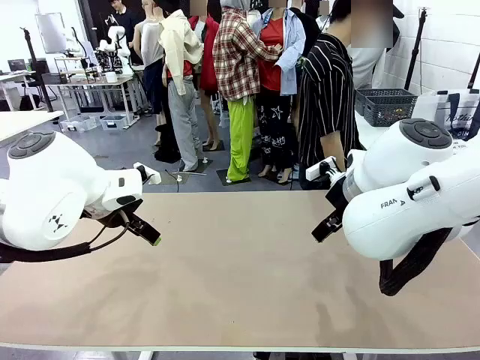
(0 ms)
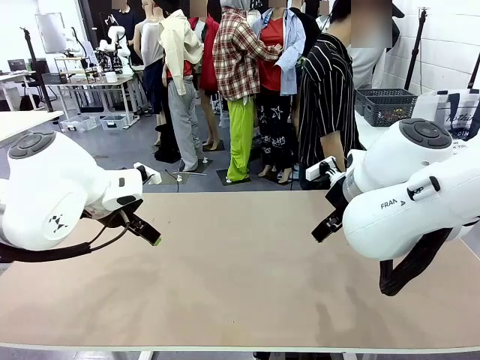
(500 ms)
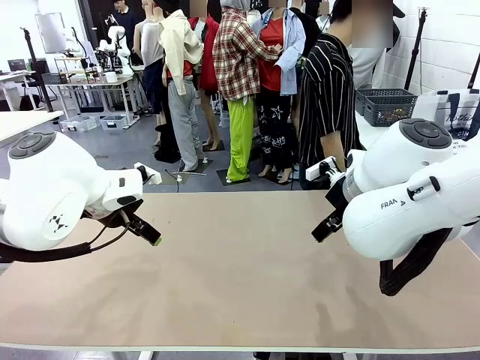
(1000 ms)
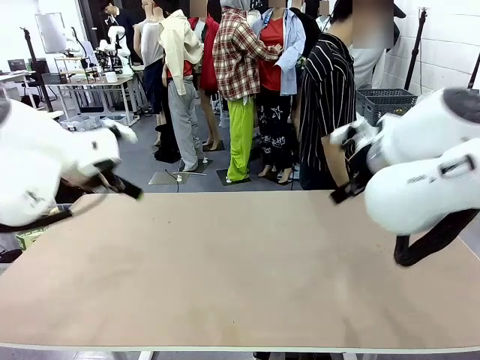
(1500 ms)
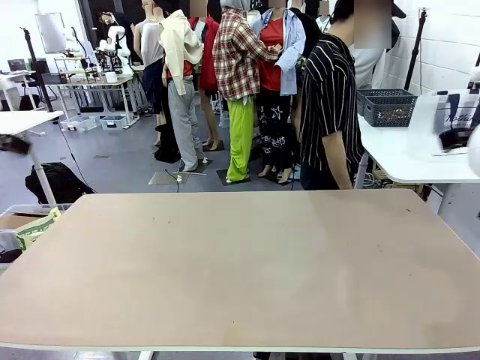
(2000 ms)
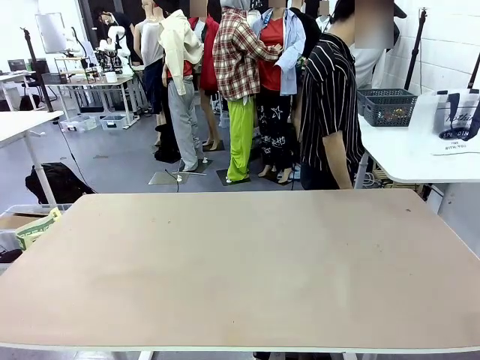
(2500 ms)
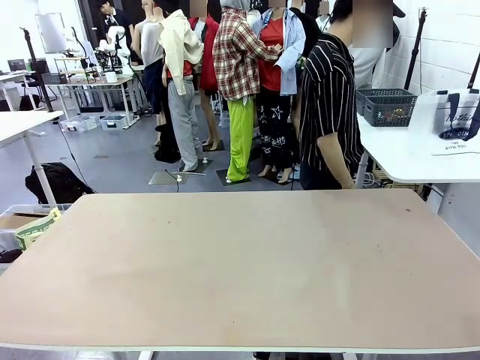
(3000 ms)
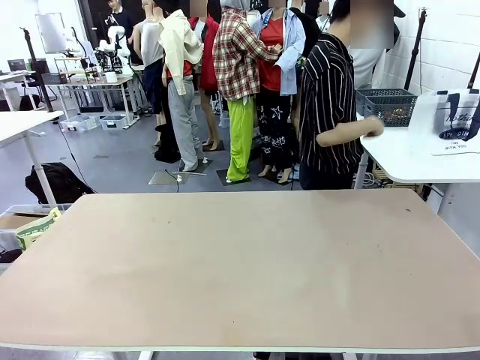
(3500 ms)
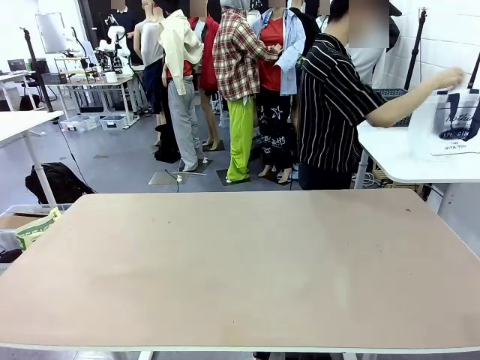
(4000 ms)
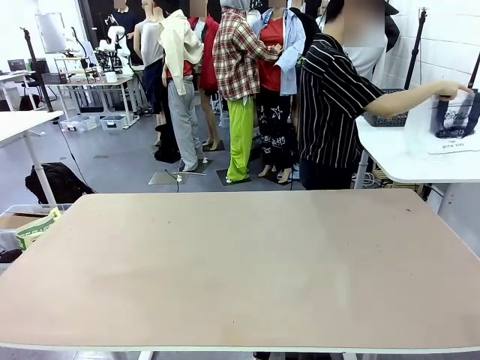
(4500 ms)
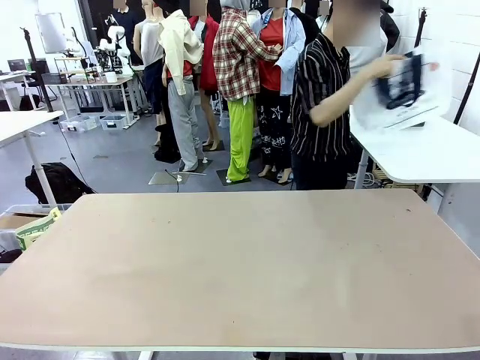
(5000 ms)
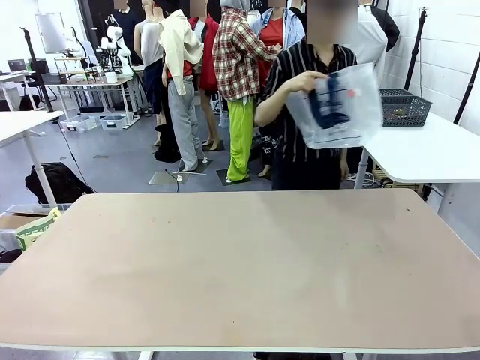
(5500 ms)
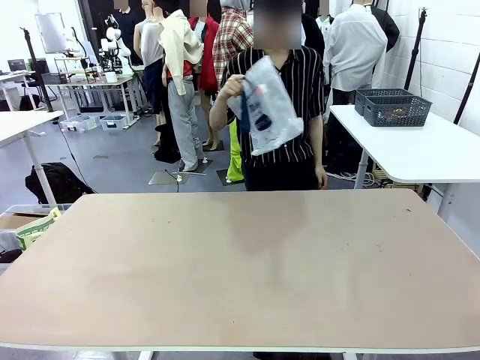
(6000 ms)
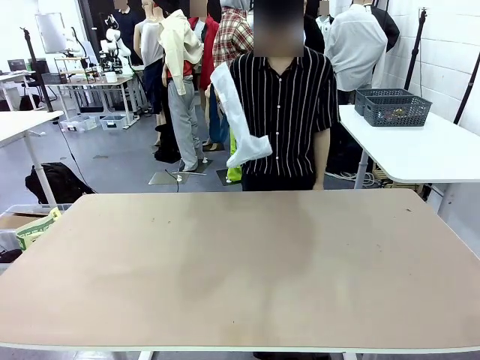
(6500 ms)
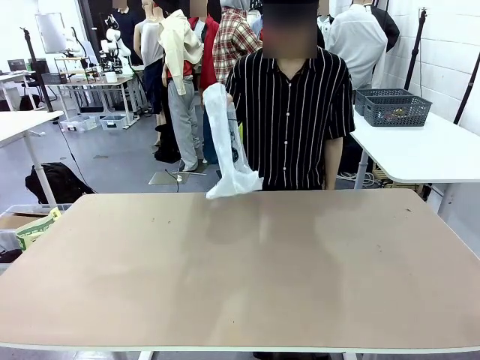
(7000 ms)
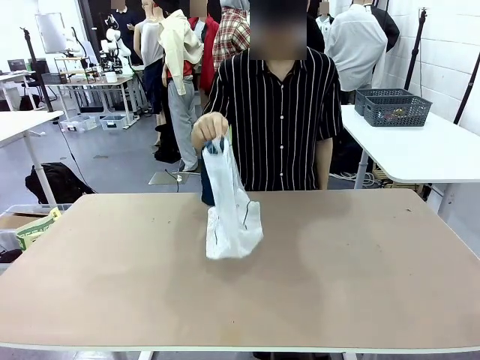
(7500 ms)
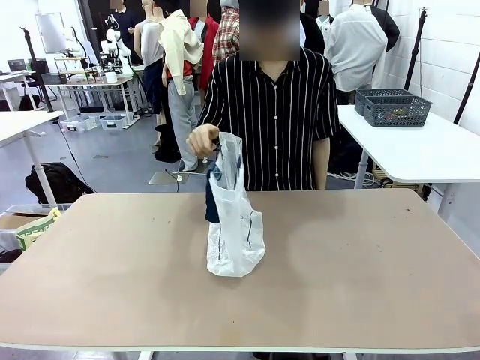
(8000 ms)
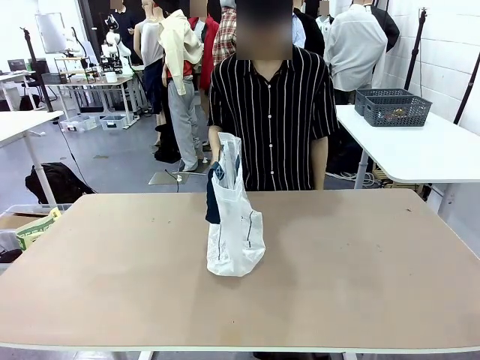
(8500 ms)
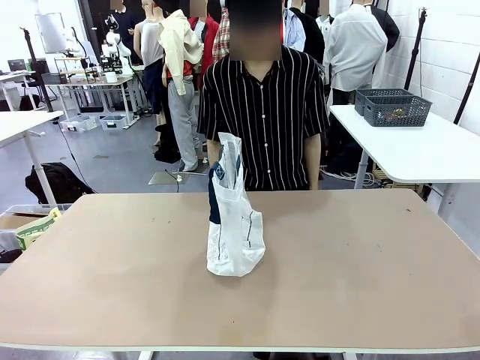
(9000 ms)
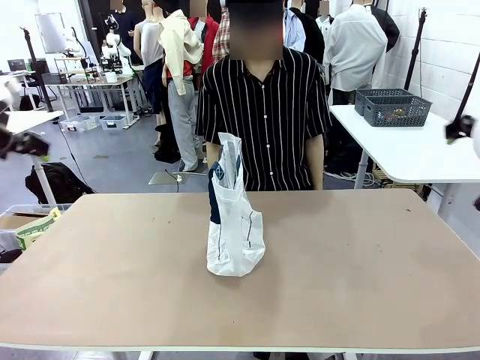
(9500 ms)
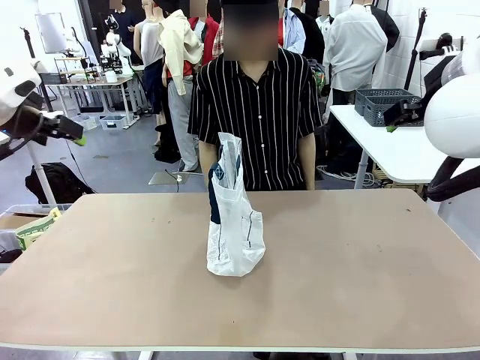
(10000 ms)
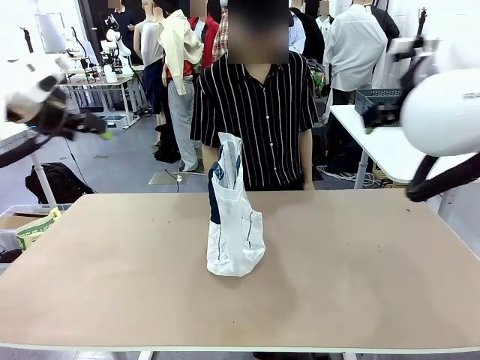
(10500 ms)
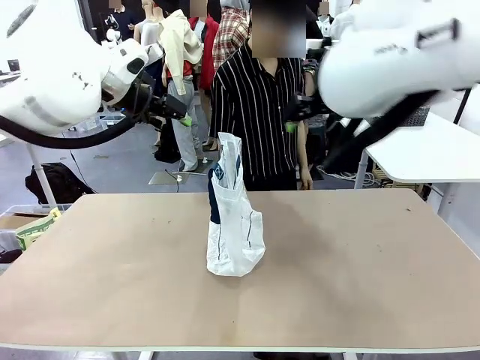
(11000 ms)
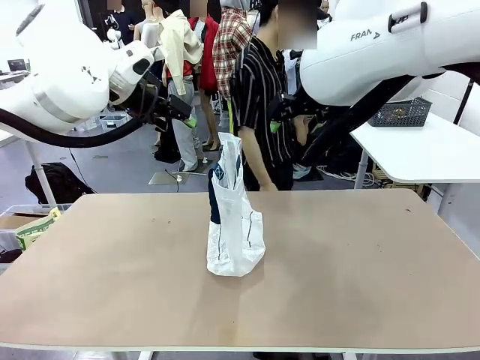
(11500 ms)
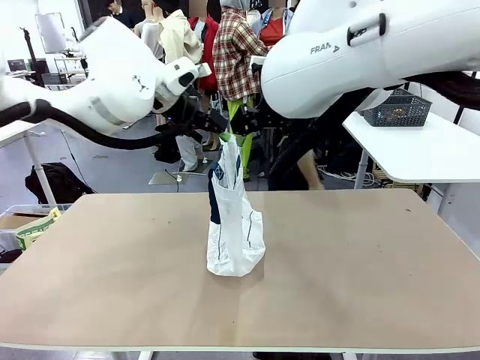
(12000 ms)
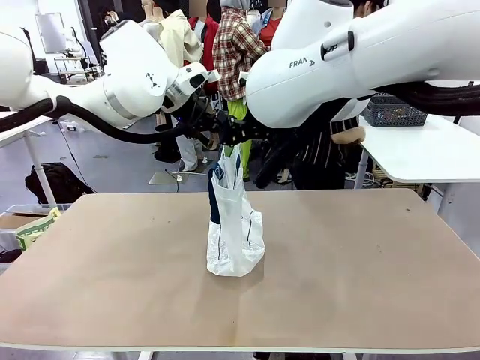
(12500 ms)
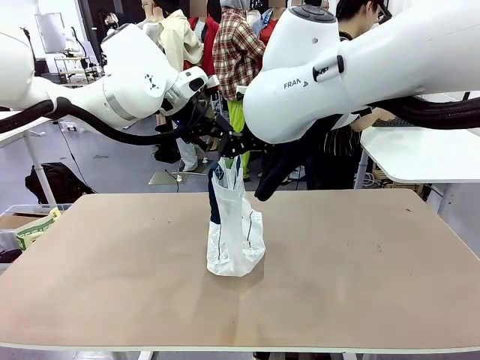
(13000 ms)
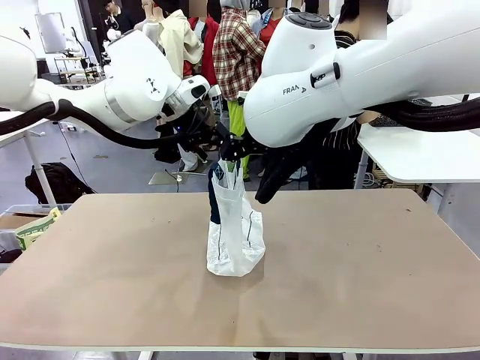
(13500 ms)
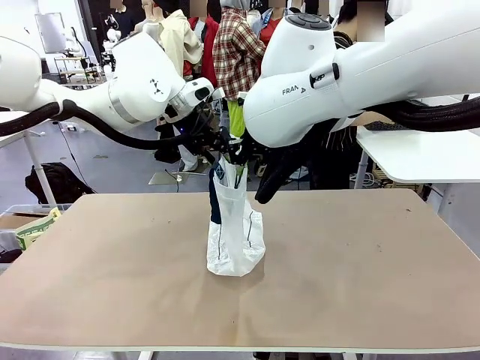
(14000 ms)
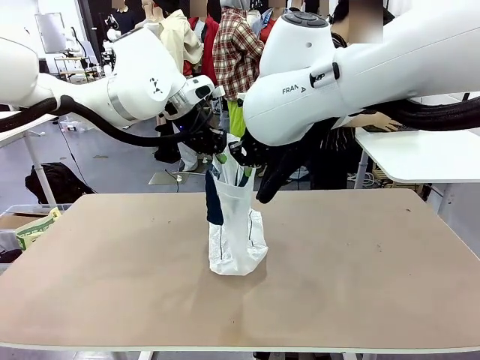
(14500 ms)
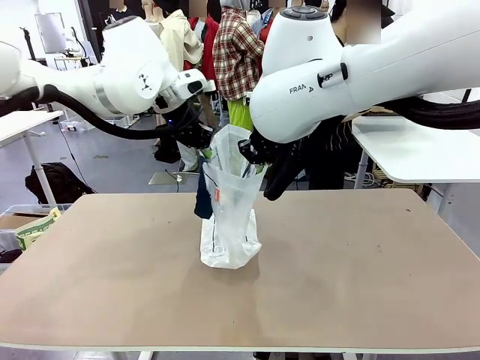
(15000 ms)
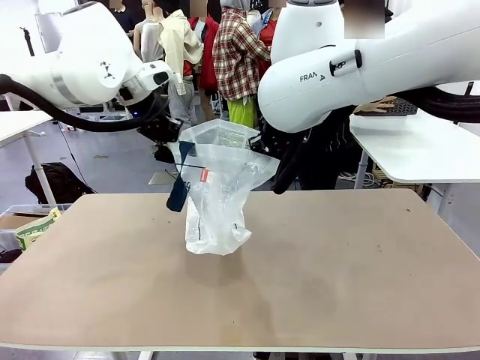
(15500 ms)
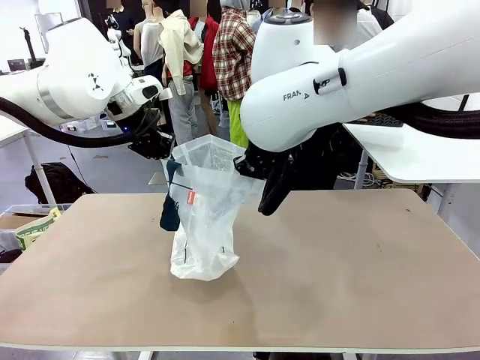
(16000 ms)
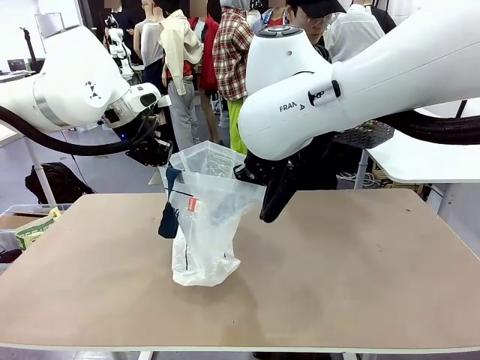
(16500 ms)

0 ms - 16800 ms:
Task: Transfer purchased items from the store into the shopping bag.
Robot: Open the Reusable shopping bag in the center of the table.
Person: Pick up the shopping bag and place it in the middle of the robot table. Pick up the basket on the right, place it on the left side of the robot table, and move the items in the basket to the shopping bag.
